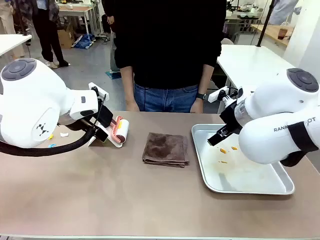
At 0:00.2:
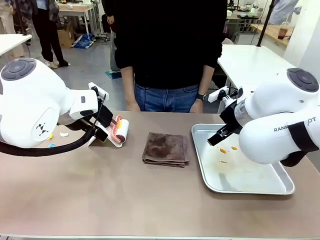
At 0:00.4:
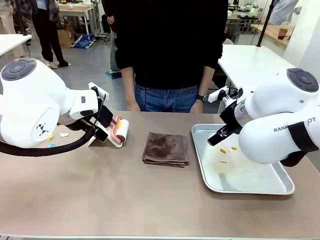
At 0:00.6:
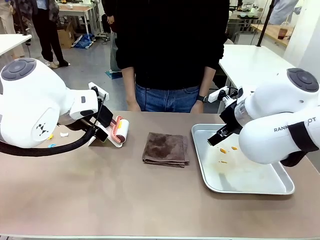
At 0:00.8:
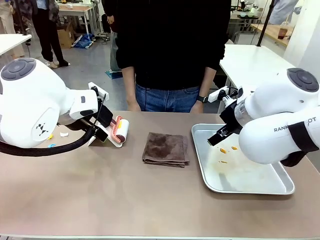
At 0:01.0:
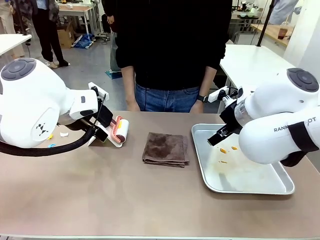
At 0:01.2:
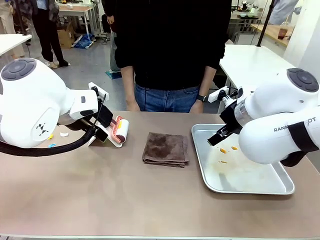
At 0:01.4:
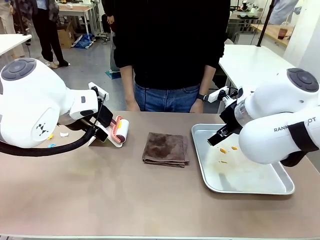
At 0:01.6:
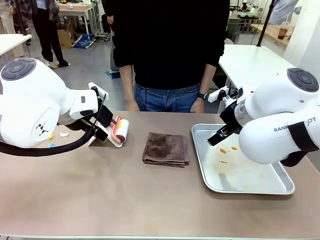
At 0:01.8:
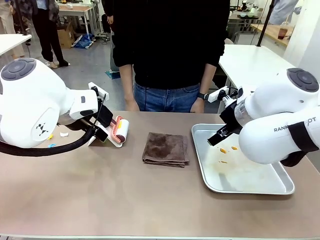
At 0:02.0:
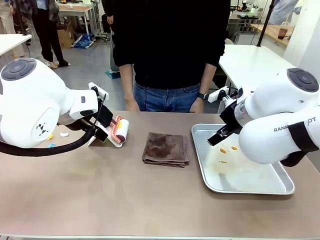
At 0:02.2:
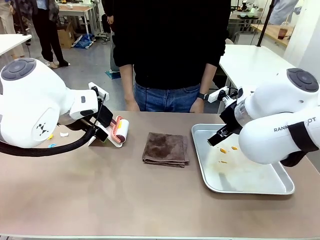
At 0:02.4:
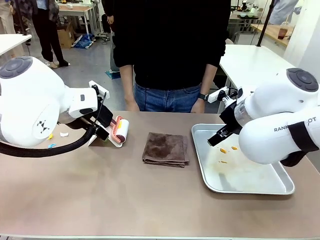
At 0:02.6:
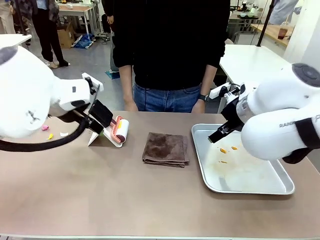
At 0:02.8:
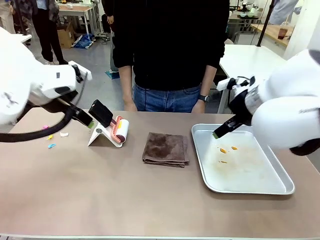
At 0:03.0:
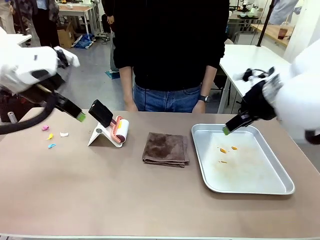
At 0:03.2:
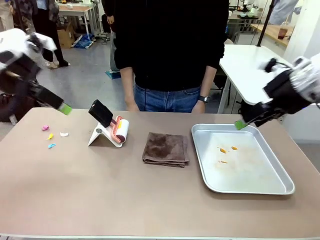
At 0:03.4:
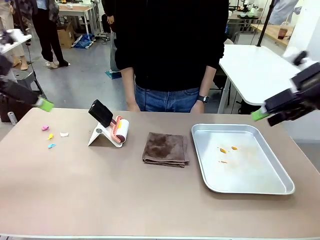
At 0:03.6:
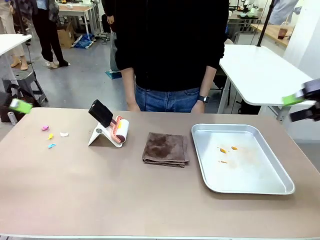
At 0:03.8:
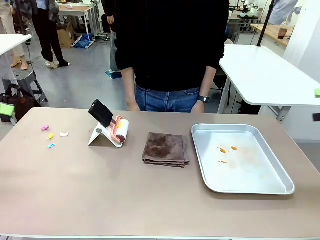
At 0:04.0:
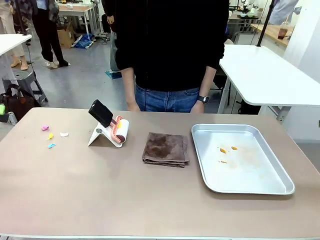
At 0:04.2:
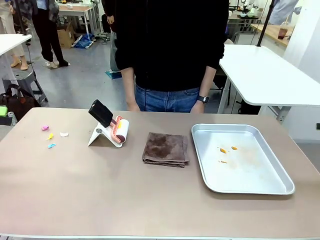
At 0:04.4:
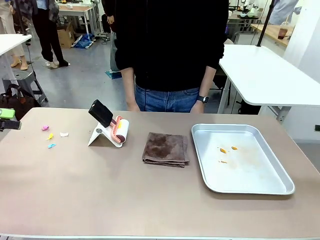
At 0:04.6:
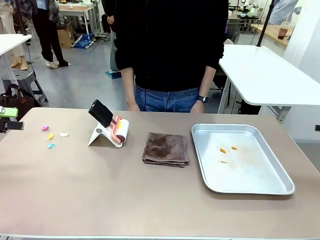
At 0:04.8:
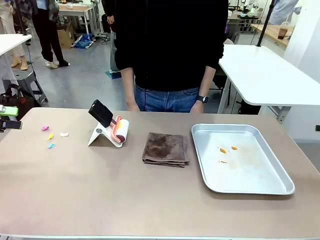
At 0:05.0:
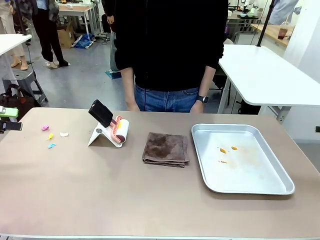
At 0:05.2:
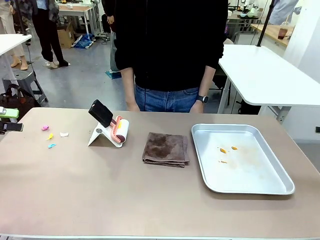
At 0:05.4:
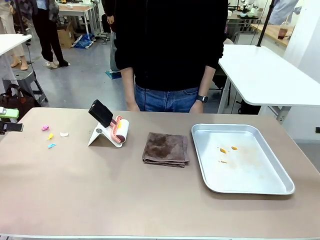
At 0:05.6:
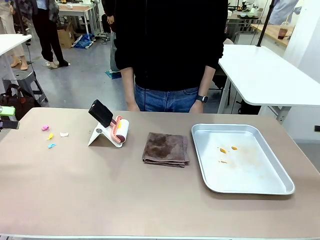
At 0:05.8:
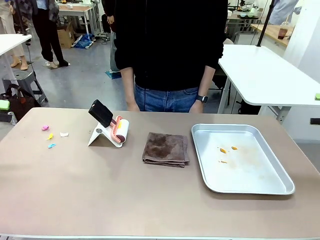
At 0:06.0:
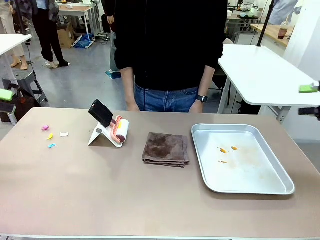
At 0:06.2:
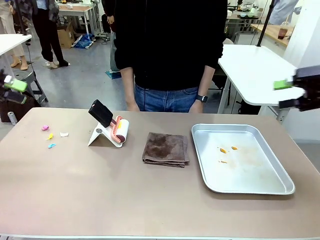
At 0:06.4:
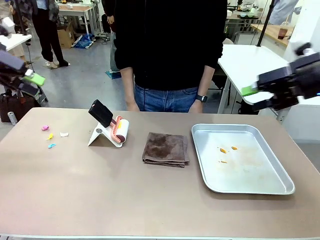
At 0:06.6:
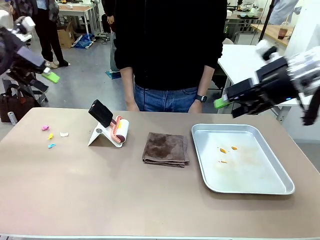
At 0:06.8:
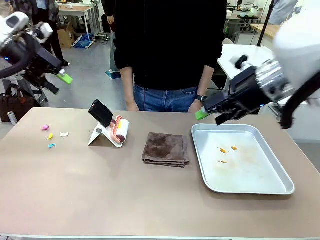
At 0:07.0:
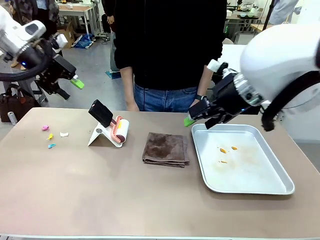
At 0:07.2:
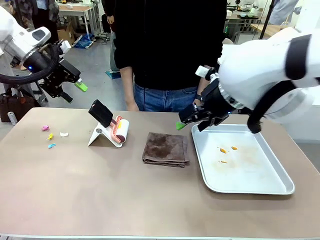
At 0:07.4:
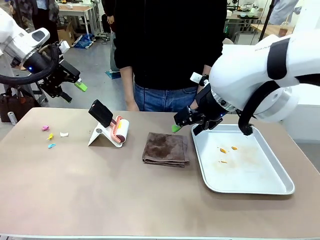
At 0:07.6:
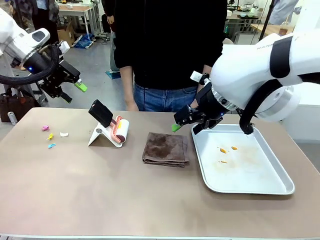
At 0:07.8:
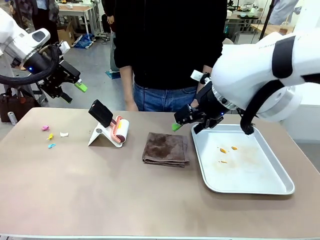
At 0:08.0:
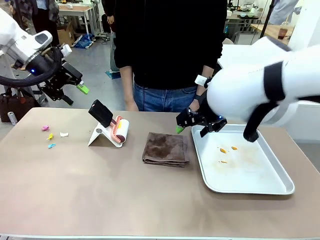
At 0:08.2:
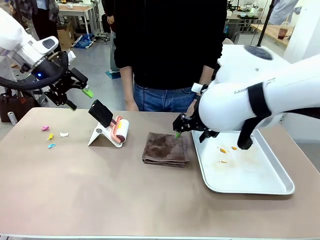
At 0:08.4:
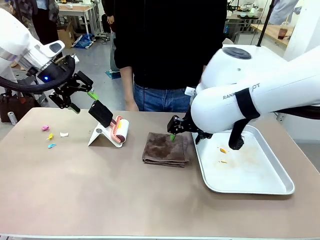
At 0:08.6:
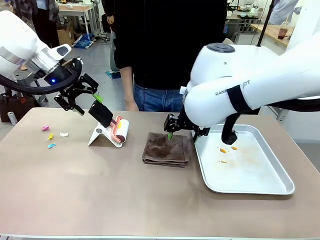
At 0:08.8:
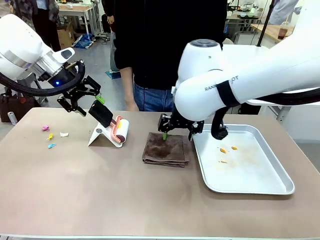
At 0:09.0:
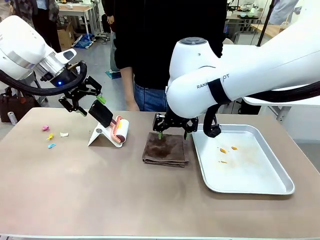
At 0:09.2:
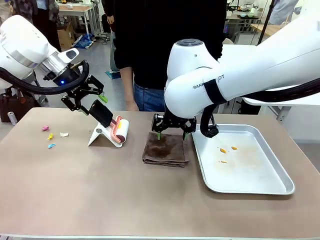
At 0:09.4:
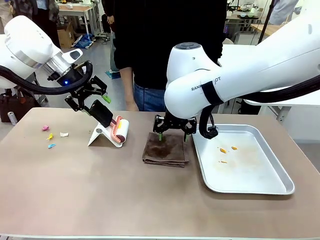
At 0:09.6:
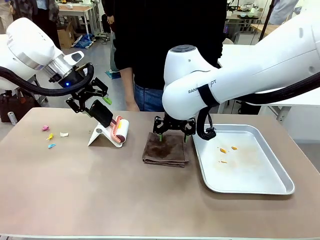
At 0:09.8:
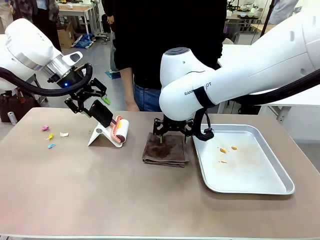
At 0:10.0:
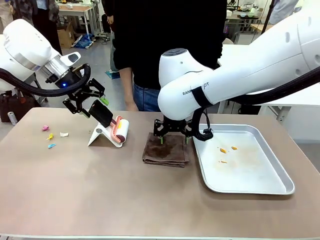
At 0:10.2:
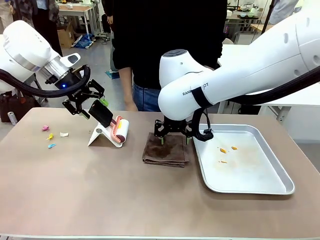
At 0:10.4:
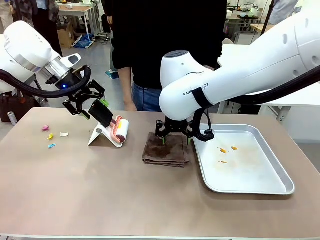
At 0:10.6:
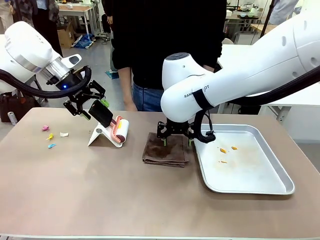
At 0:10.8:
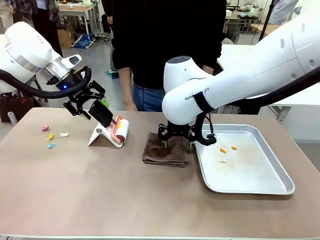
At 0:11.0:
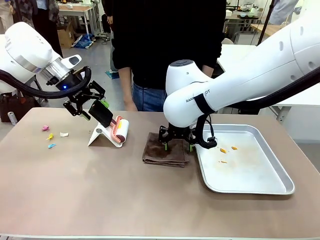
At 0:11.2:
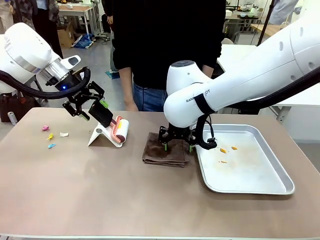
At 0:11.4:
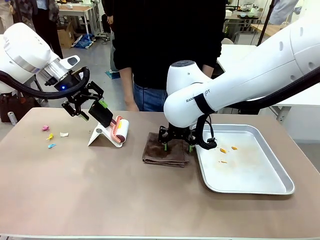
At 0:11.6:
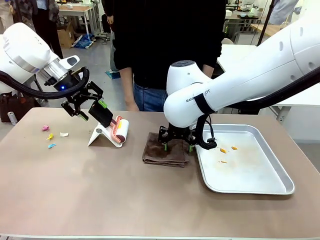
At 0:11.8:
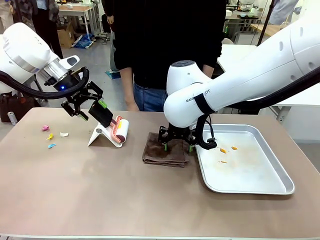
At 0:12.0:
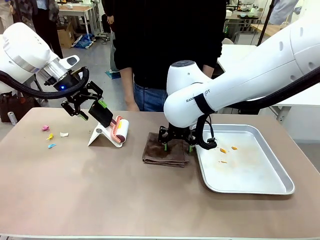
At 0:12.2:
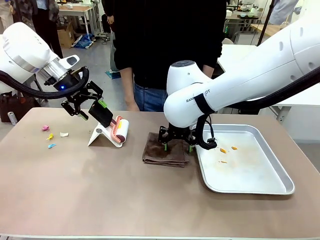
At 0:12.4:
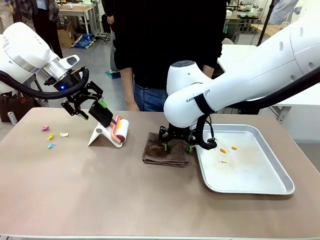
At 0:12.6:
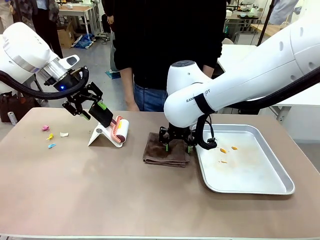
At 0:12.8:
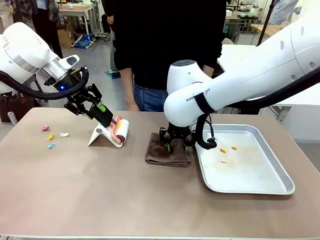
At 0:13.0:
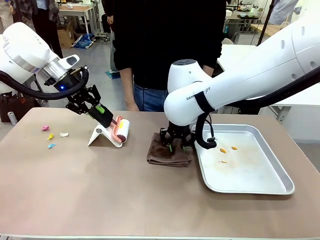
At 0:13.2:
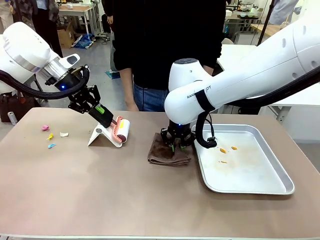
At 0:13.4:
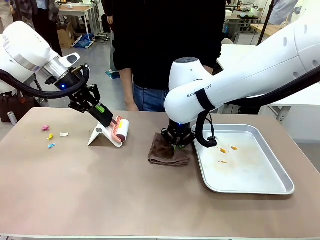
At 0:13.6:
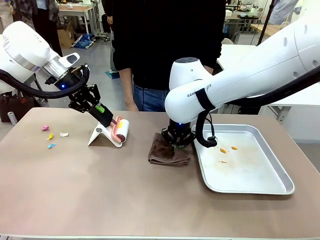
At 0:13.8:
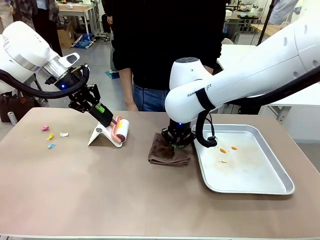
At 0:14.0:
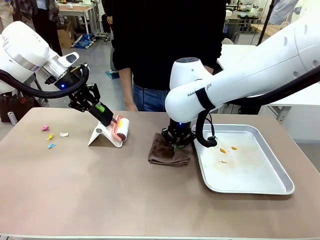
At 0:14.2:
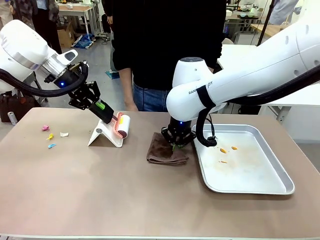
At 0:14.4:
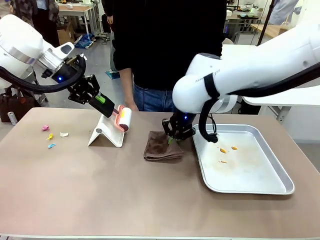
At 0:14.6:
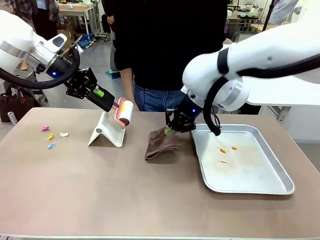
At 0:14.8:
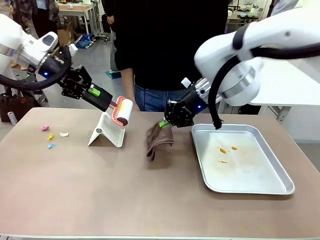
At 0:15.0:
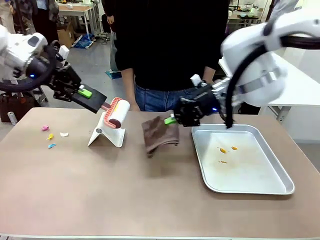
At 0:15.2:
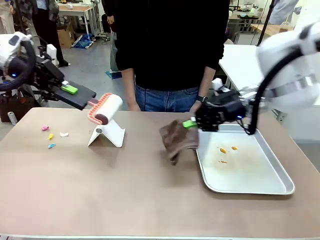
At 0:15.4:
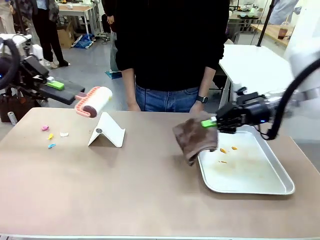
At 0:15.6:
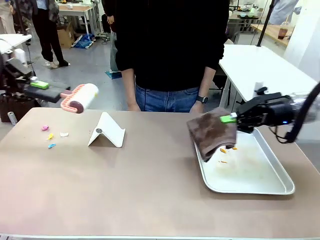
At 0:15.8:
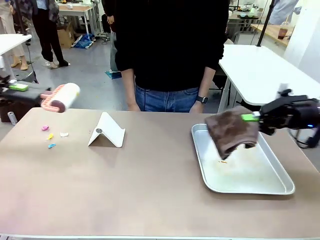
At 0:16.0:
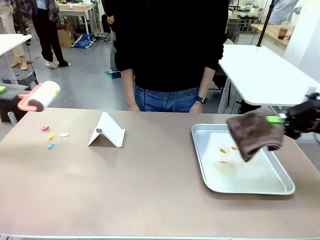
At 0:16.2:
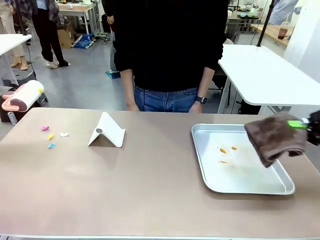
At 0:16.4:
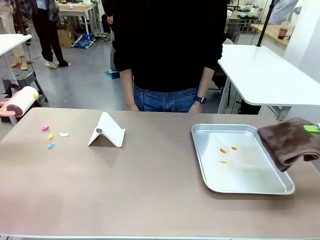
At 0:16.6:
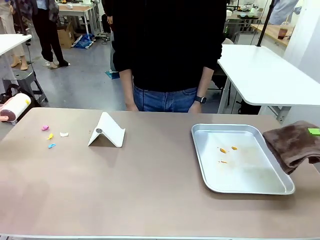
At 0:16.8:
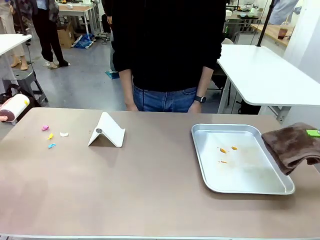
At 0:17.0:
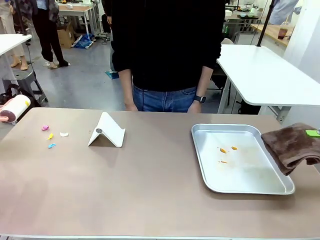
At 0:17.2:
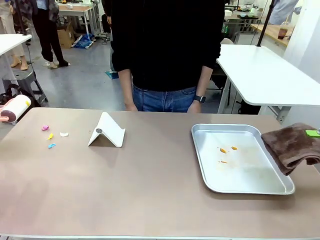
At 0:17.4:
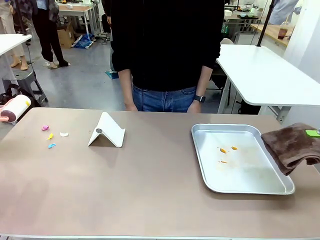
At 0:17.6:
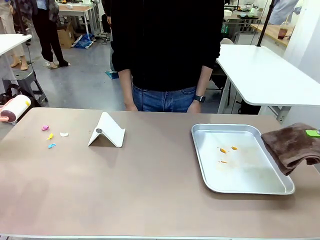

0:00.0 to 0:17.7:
Task: Clean the surface of the table.
Robot: Hold the Lint Roller with your left hand and the towel with your right hand.
